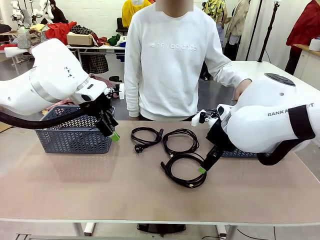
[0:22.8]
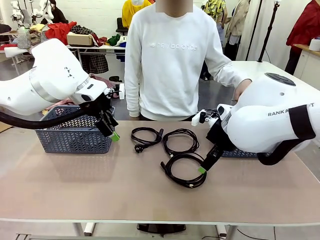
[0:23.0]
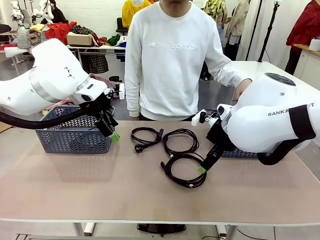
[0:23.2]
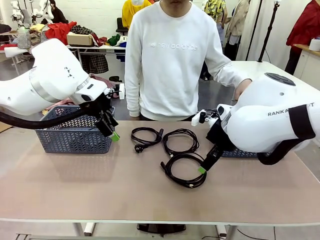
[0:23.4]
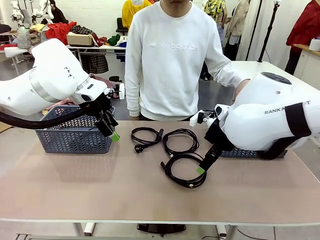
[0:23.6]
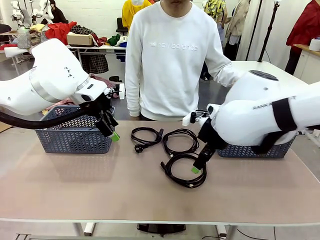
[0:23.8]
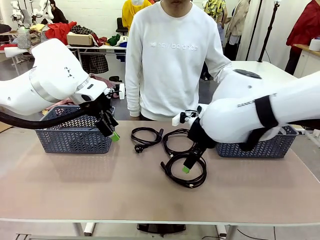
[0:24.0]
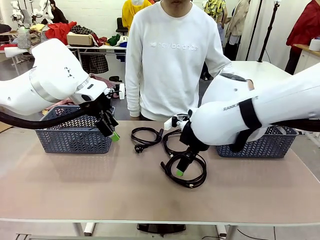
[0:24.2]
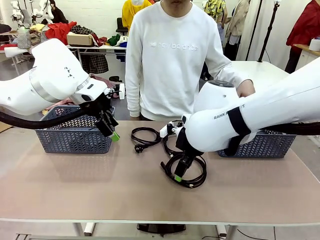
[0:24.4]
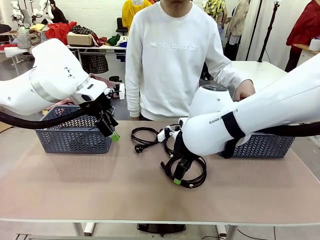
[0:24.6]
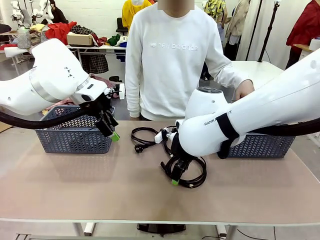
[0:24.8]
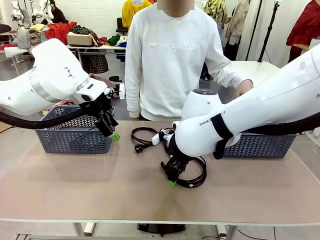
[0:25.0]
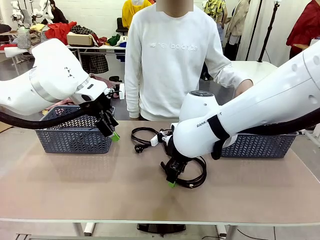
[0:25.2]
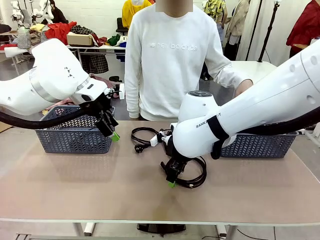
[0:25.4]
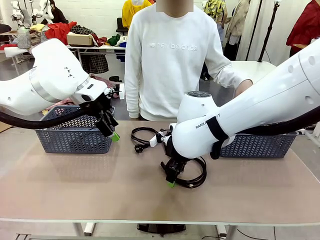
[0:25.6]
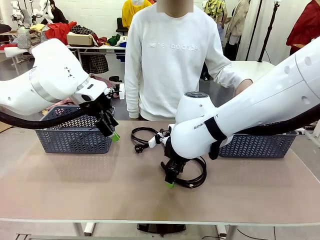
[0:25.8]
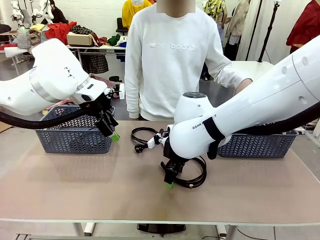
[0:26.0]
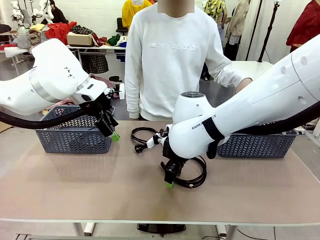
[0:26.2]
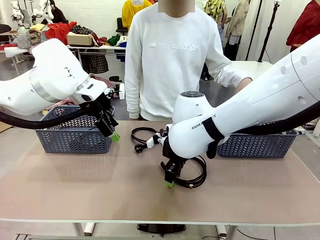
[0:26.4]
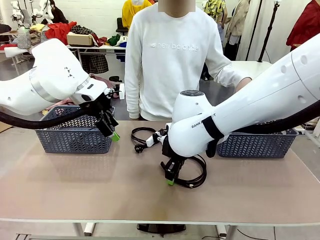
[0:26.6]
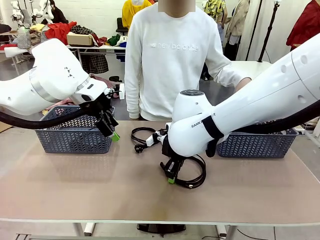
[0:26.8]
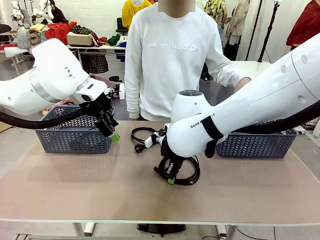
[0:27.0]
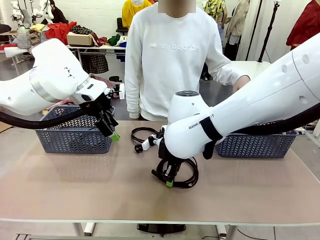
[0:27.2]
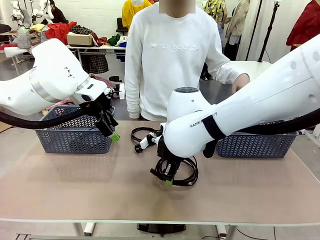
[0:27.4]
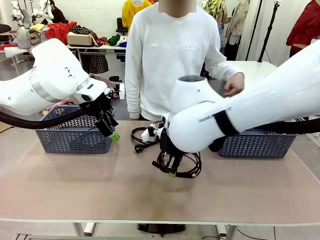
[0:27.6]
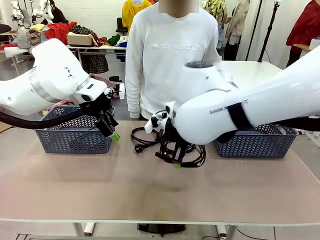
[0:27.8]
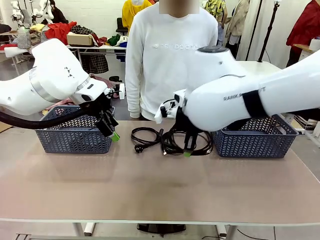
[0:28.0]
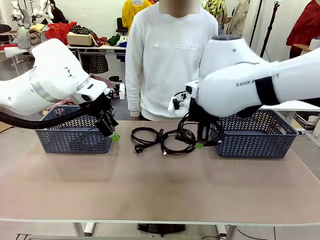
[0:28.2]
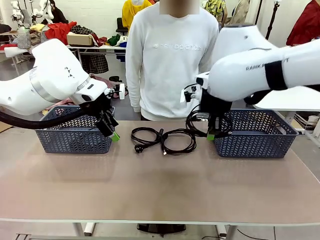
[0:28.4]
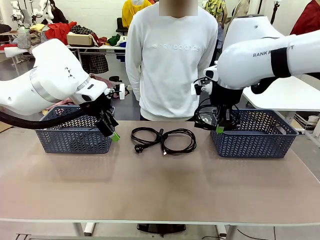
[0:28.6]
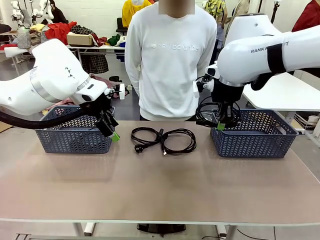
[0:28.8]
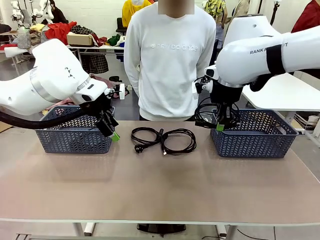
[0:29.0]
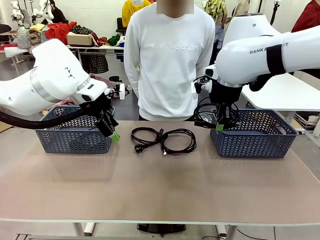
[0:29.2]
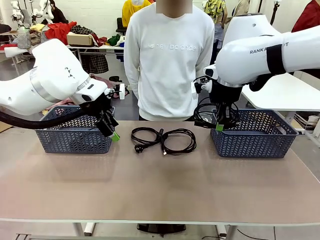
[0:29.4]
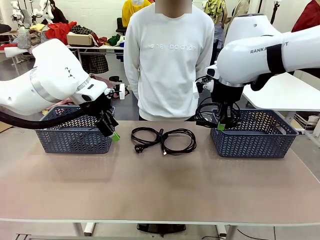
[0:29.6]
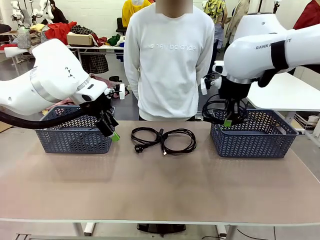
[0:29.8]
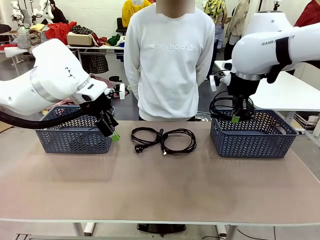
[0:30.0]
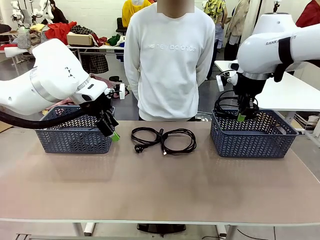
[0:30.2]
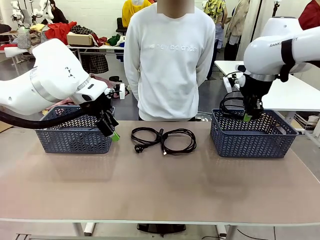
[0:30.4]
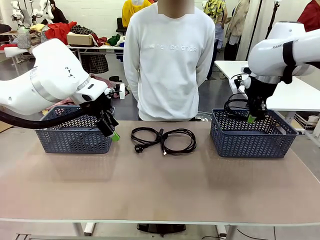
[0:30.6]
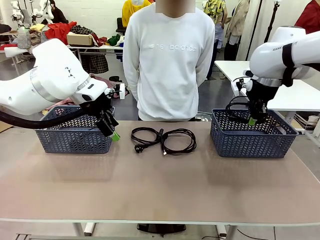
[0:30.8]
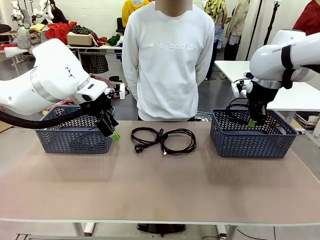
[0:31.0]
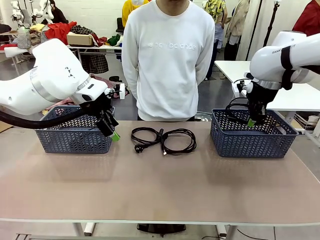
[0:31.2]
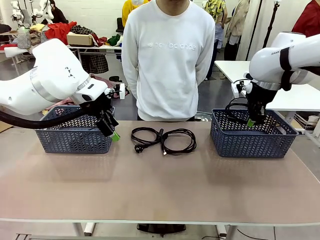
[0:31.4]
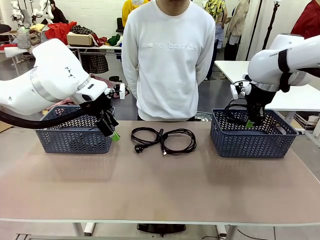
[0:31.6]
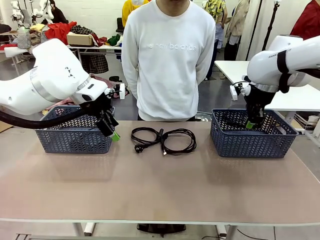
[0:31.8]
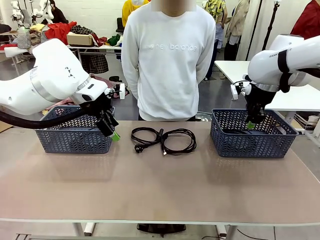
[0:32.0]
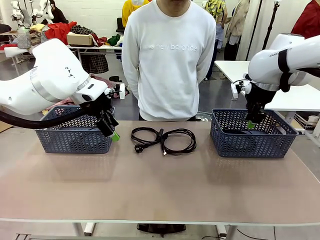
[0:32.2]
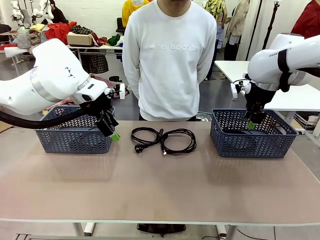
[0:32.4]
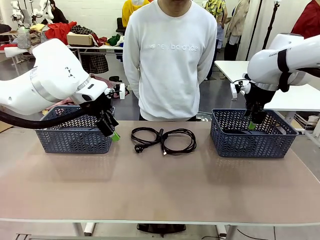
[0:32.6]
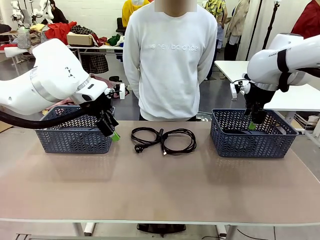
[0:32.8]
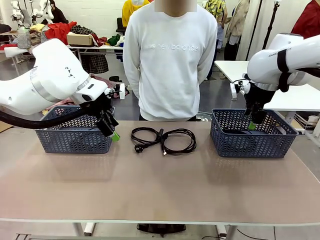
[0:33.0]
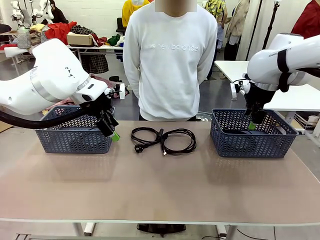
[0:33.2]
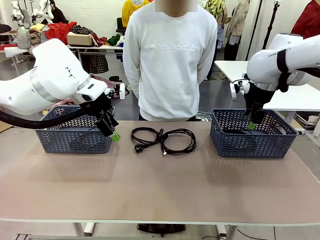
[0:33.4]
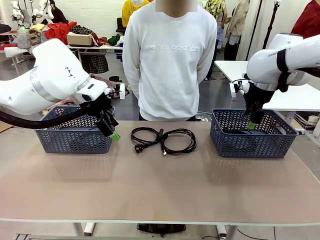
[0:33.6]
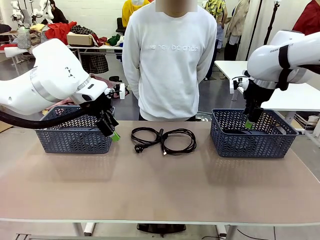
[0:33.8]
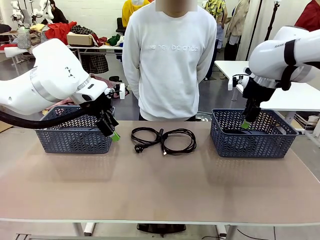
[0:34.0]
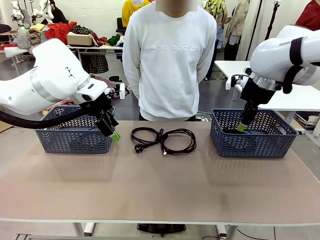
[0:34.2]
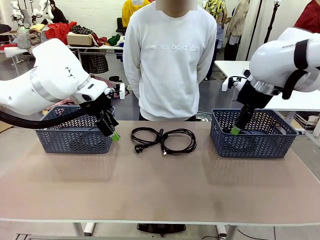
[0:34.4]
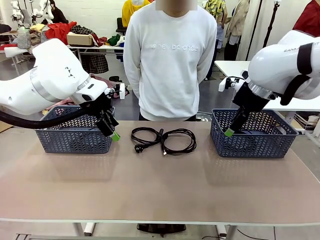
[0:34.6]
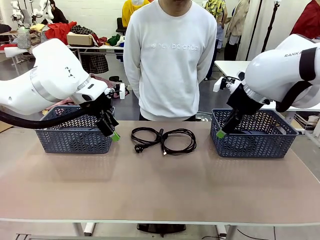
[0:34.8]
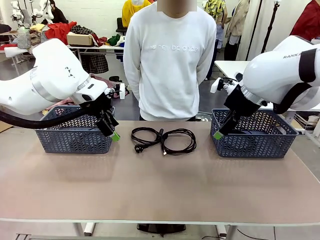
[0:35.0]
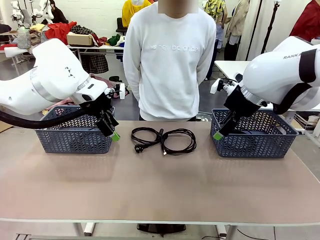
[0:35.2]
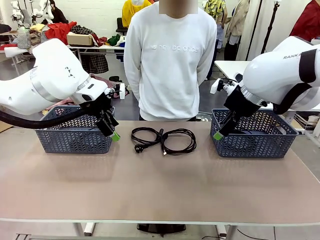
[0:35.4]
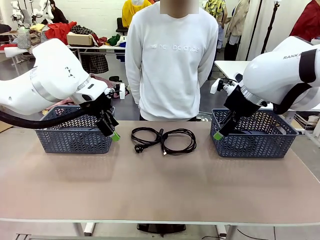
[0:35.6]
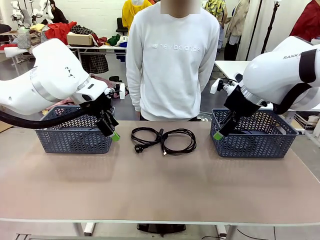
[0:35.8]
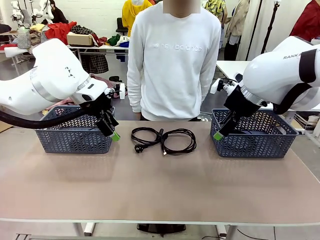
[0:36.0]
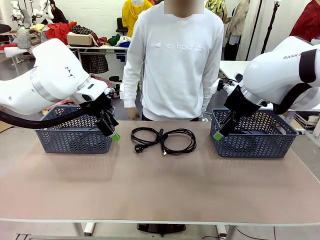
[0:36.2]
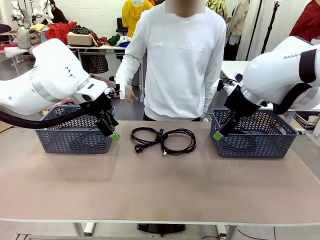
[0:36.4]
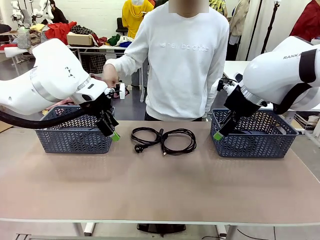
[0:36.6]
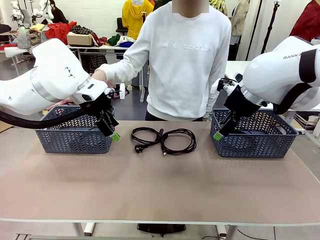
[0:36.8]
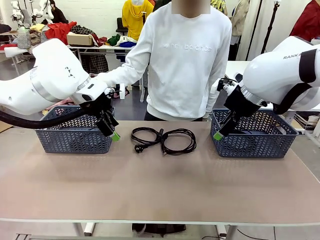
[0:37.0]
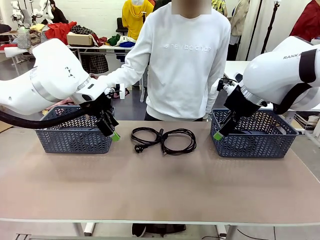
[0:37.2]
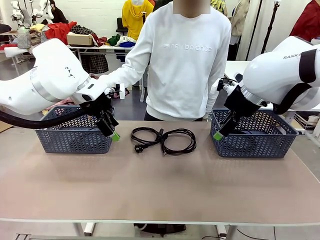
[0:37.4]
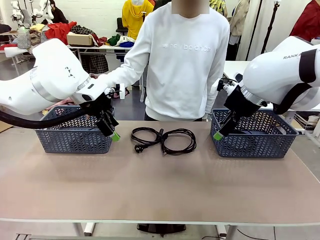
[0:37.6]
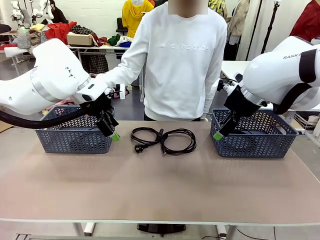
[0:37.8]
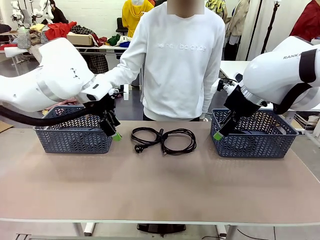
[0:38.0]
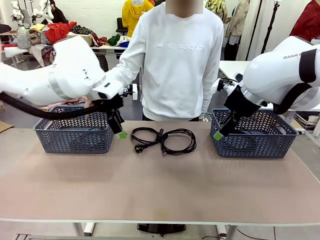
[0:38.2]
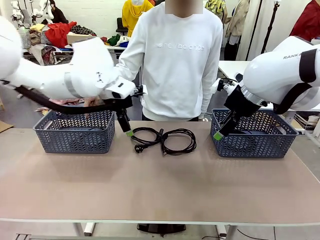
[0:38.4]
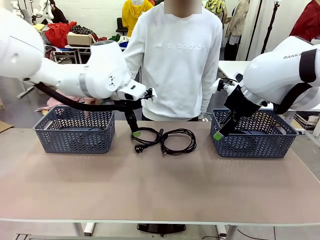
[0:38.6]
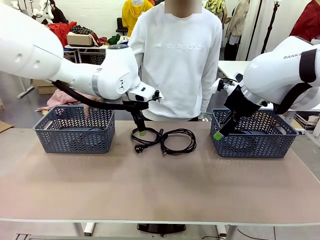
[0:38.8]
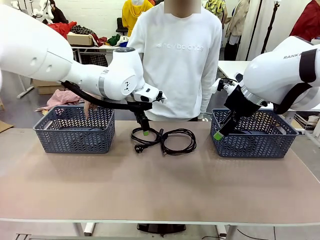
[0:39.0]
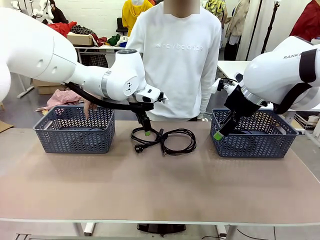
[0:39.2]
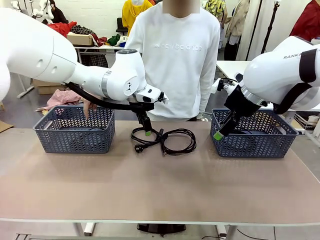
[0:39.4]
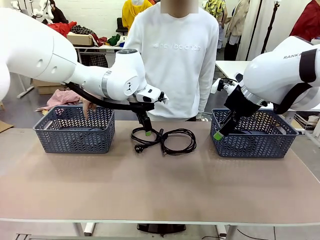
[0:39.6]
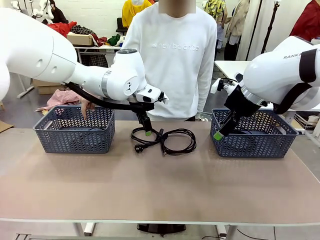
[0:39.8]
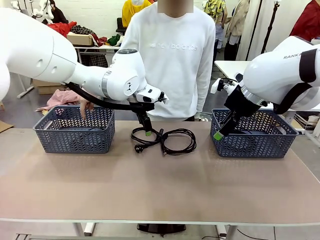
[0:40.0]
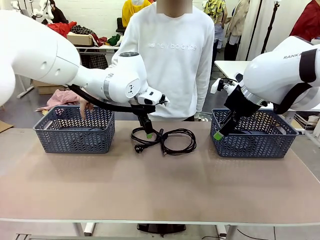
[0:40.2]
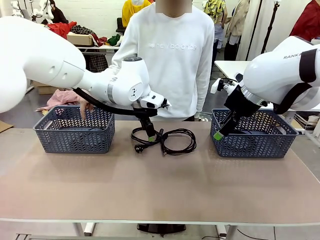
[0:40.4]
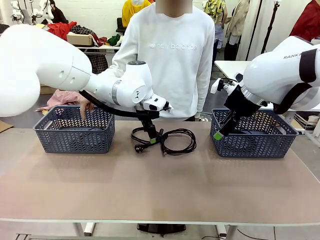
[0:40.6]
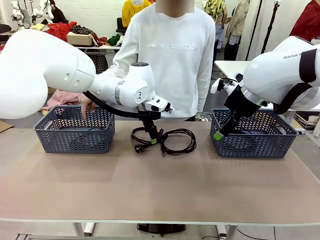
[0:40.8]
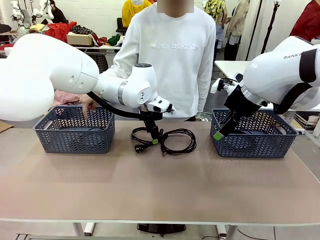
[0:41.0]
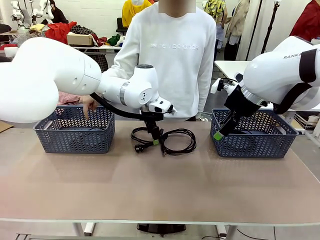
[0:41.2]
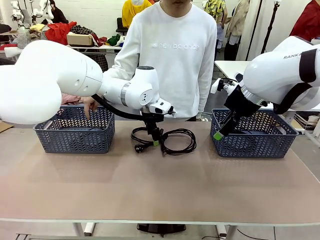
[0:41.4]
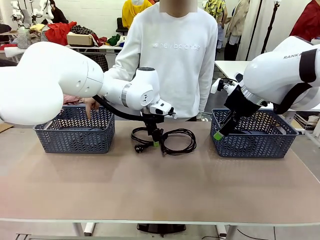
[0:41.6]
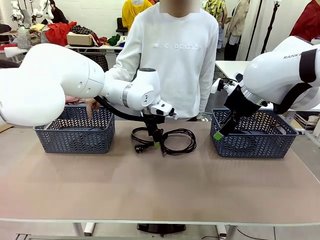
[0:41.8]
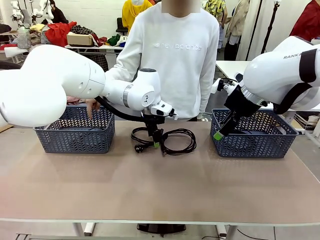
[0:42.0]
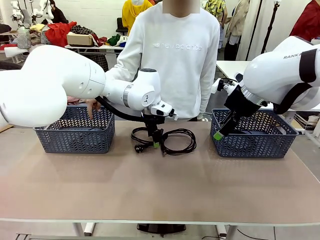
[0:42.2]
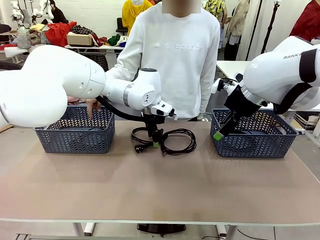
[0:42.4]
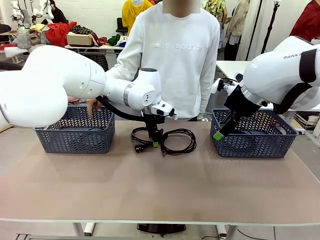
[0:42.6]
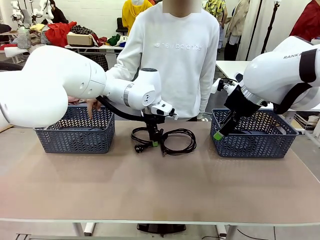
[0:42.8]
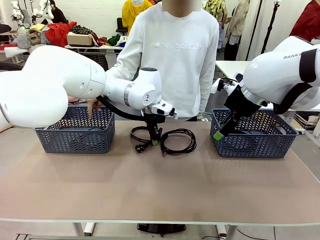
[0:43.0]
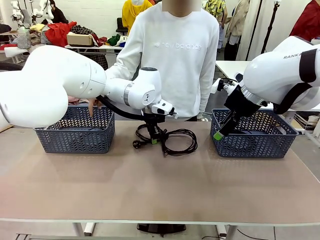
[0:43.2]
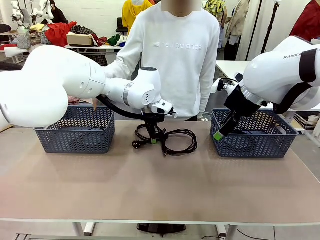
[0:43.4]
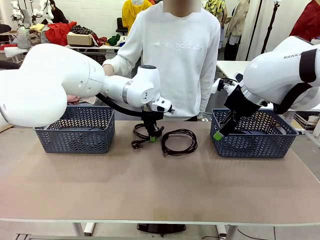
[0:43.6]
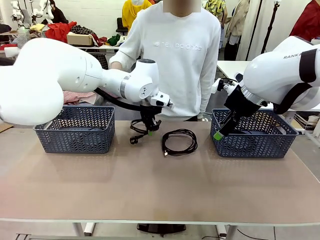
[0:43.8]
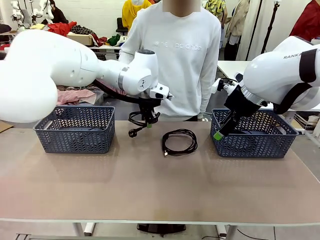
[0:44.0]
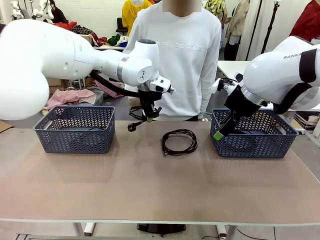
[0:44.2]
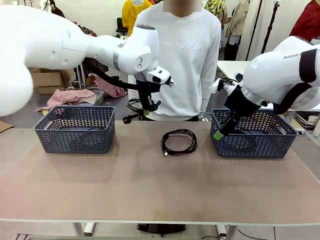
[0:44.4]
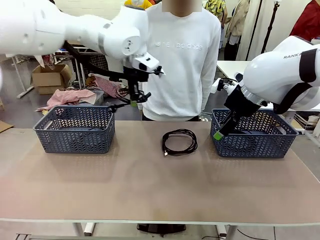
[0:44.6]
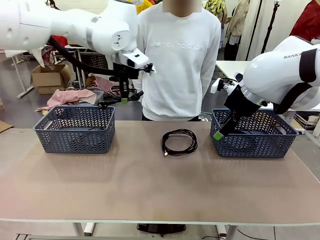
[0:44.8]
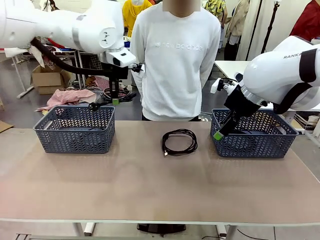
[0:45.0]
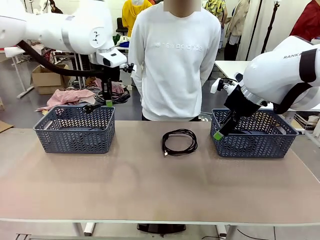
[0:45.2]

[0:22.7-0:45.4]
Task: Organize the cables according to human instructions.
Robot: Pick up a bundle of cables and place it in the basket indicated by the human.
